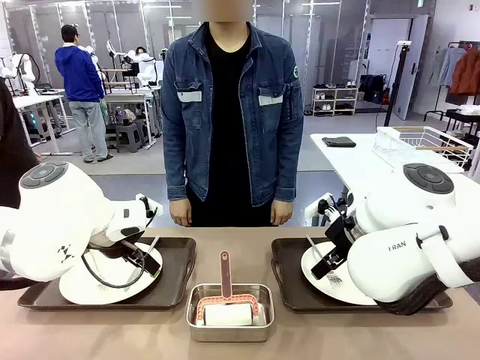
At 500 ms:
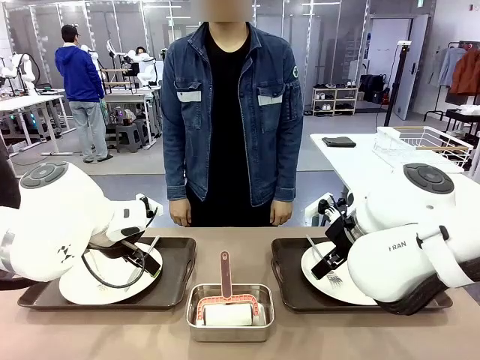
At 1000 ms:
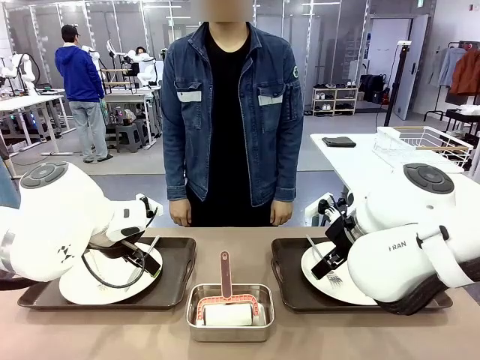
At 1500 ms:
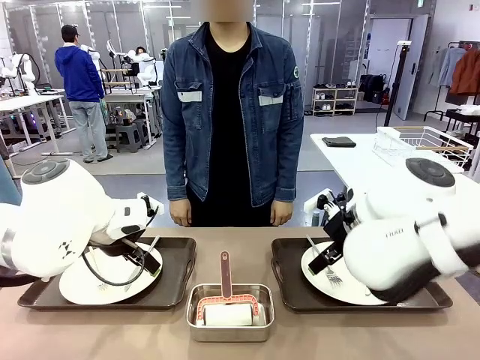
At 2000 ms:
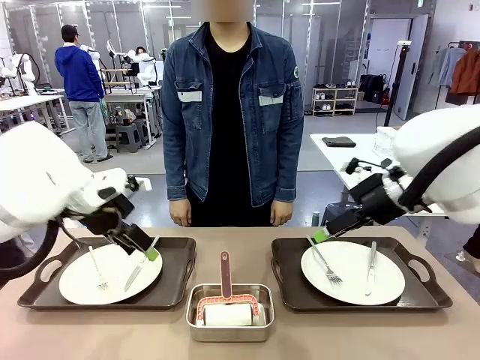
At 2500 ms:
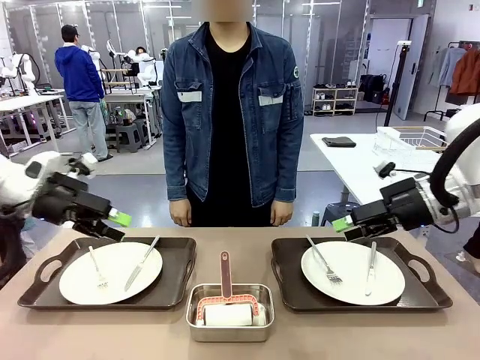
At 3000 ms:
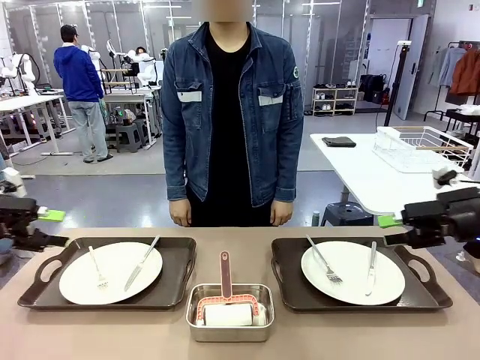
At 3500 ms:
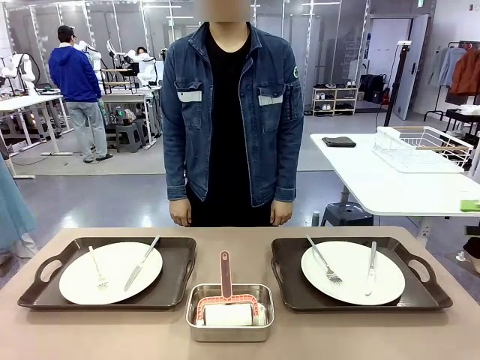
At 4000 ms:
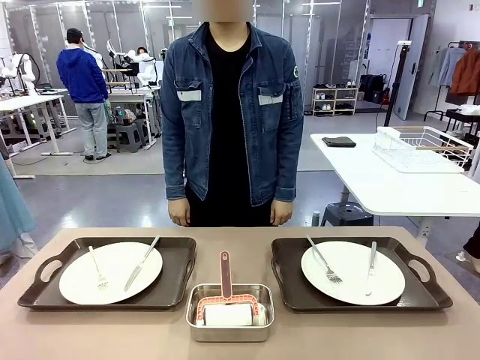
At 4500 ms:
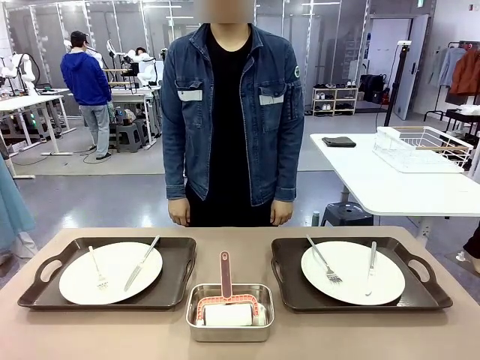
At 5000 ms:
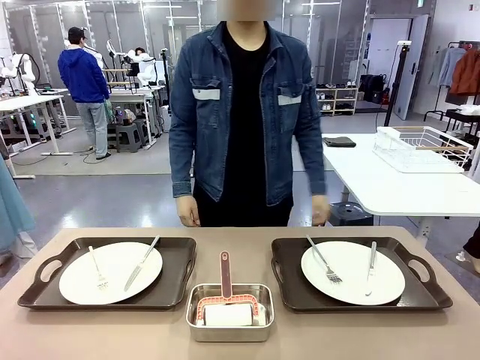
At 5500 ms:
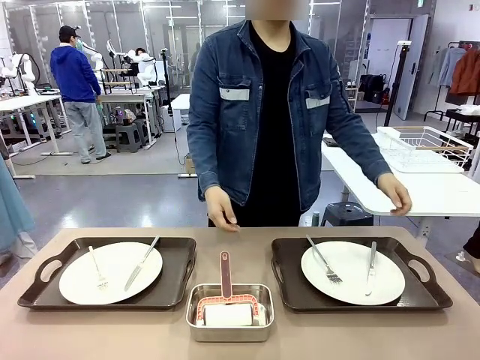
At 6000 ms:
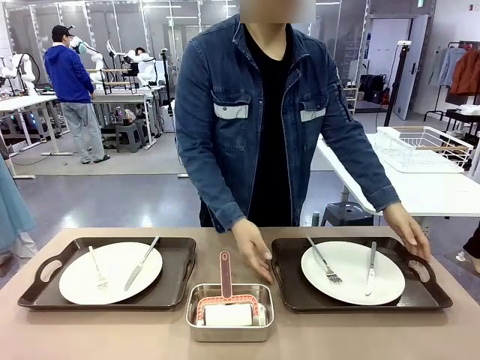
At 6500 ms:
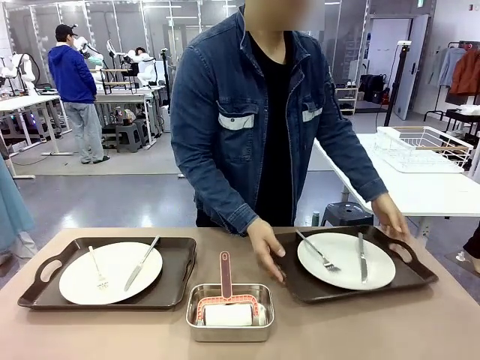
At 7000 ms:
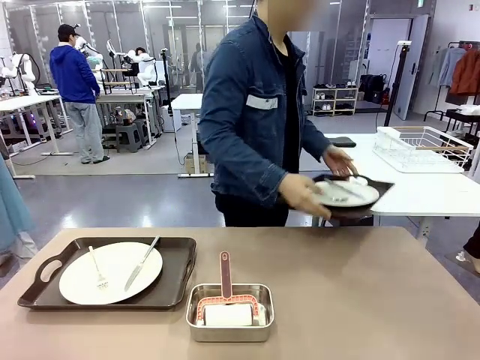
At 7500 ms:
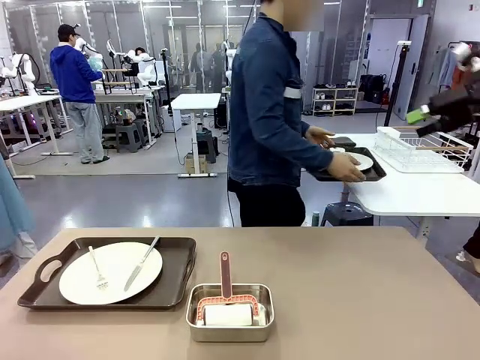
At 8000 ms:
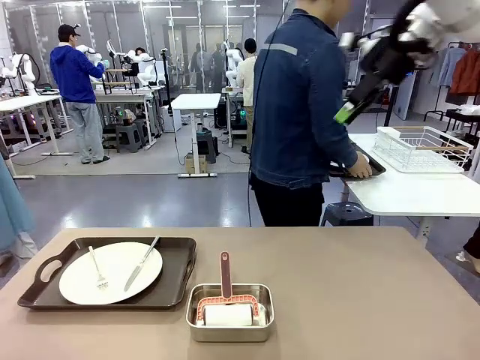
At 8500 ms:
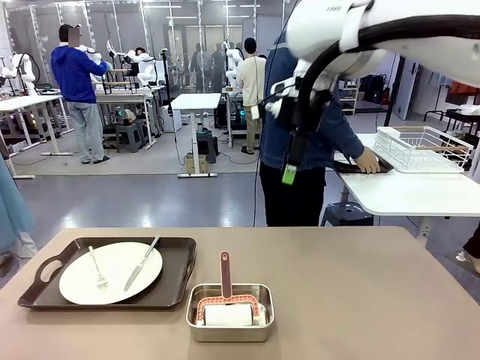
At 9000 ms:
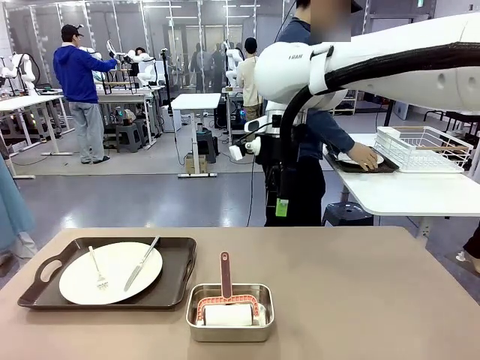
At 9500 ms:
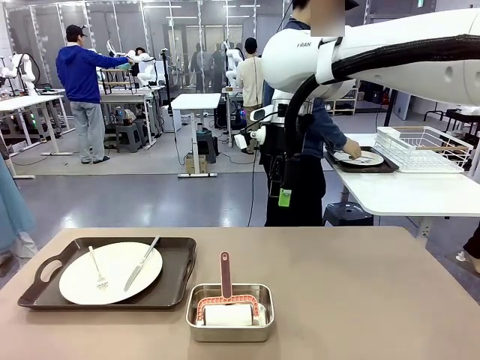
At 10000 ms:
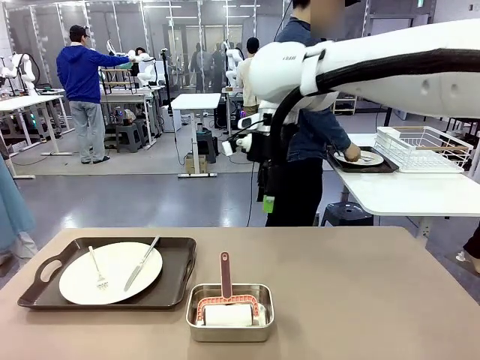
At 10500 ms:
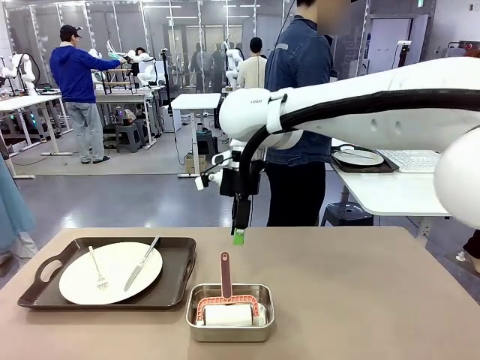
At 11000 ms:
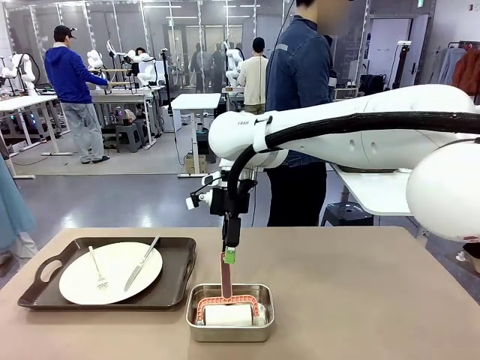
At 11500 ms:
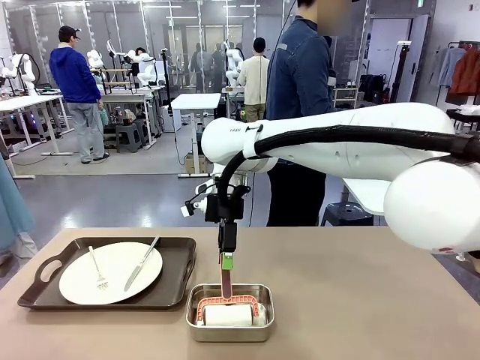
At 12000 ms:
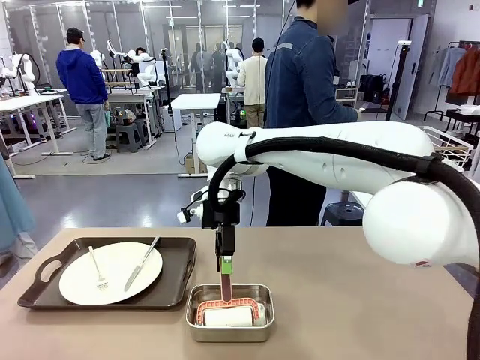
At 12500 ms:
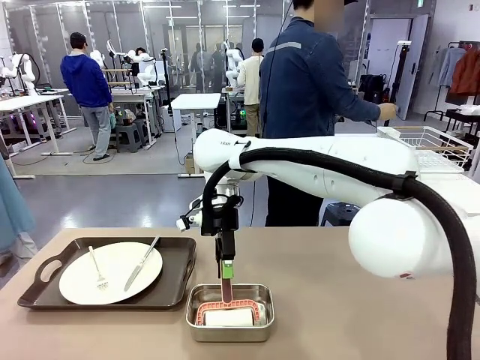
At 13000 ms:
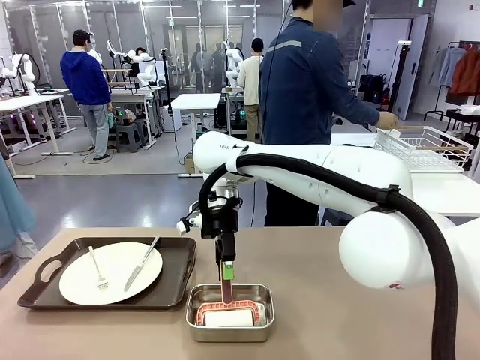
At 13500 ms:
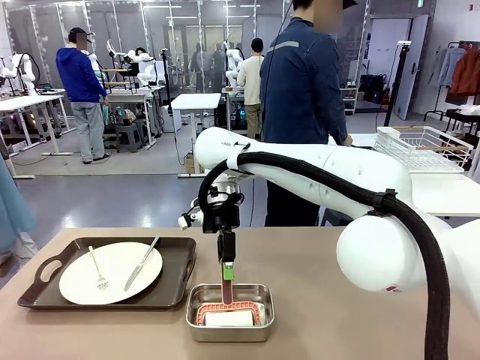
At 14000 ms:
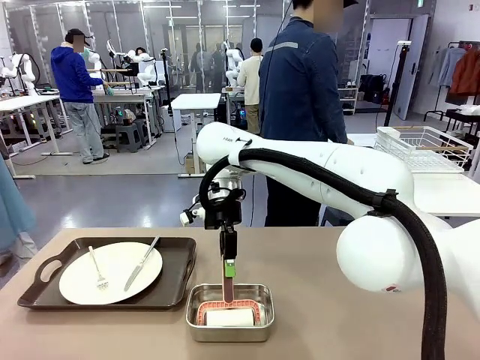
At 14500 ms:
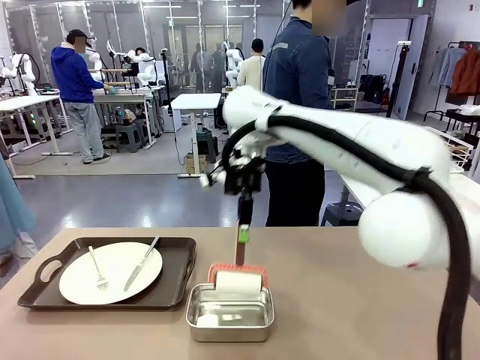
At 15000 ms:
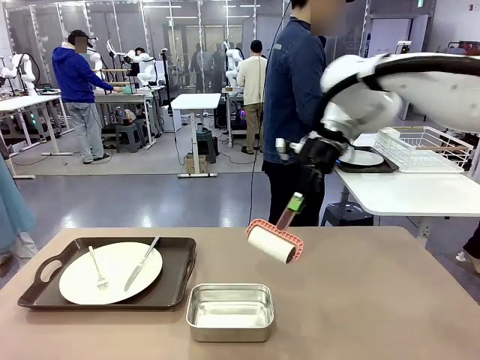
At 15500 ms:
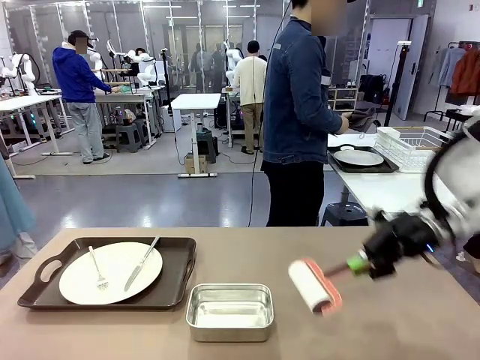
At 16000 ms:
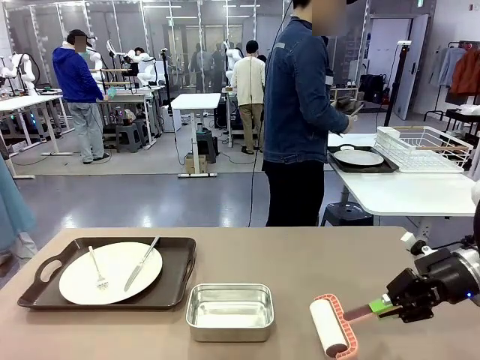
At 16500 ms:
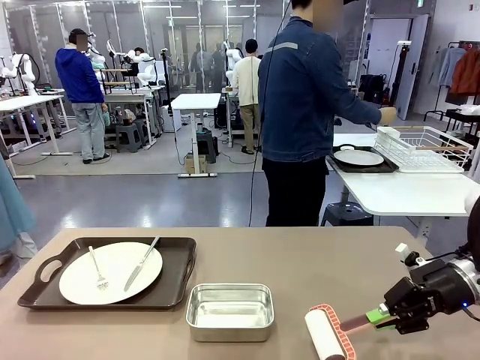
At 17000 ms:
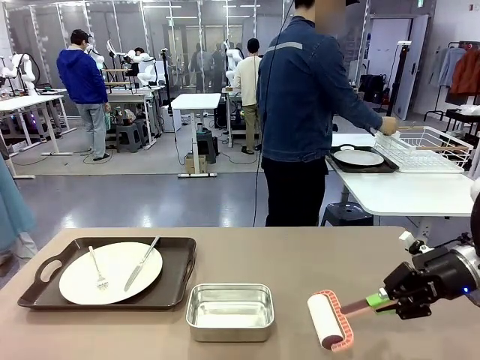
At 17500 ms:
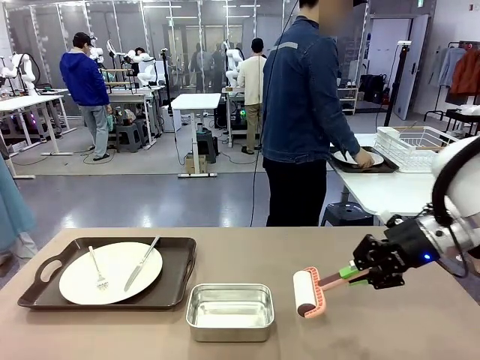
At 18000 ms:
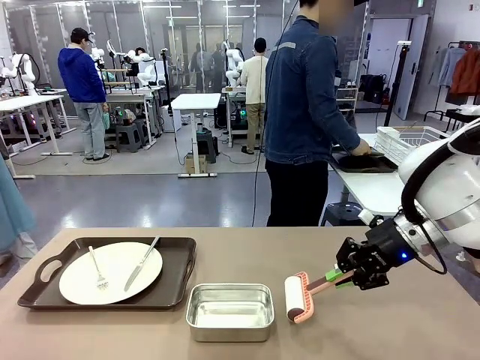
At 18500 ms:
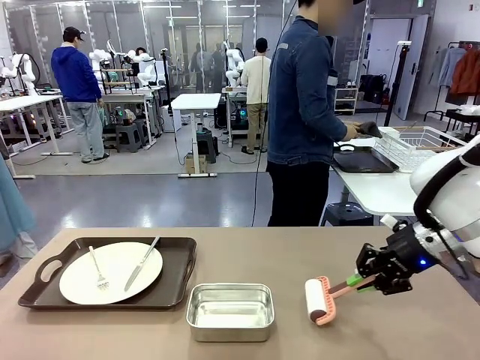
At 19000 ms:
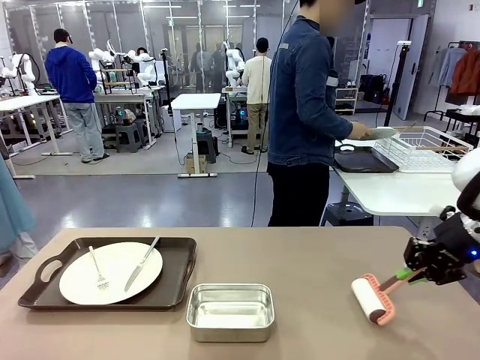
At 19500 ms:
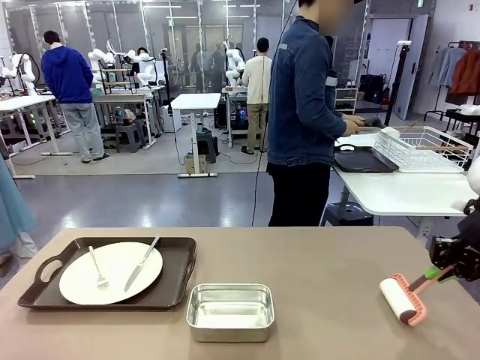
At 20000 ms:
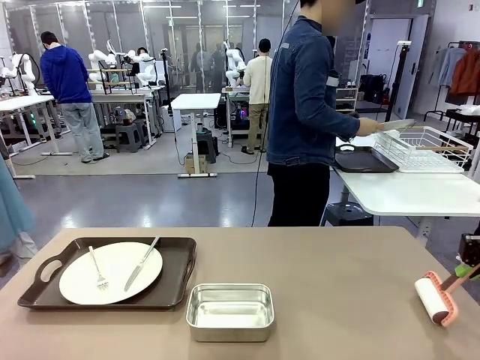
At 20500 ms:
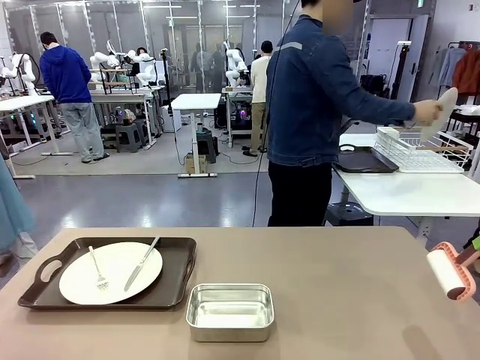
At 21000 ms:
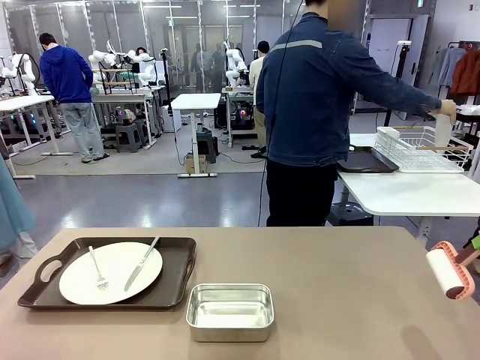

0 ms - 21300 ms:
Robot: When the left (or right) Handle tray is removed, use the left hand (or right hand) to clean the left (or right) side of the table with the Lint Roller.
Person: Pick up the left (or right) Handle tray and place it on the middle of the Human's table. Use the Towel with hook to wipe the Plastic Matte Plate , Fork , and Knife and place into the Dish drying rack.

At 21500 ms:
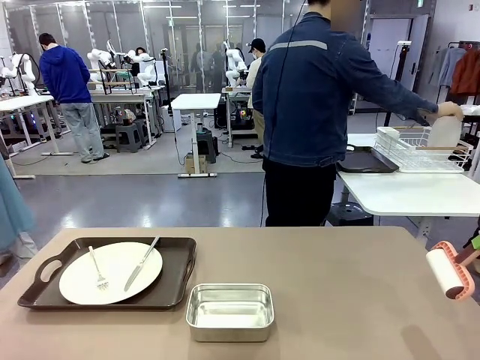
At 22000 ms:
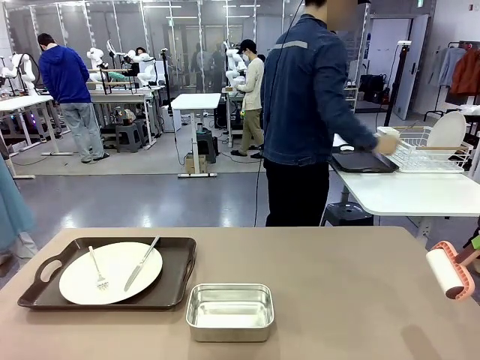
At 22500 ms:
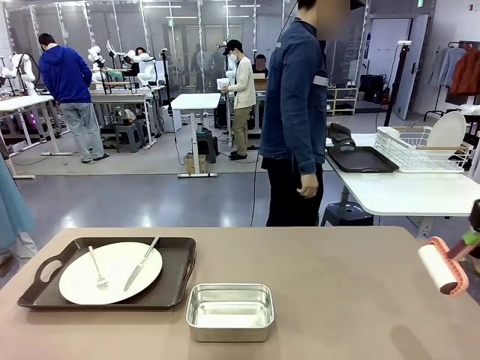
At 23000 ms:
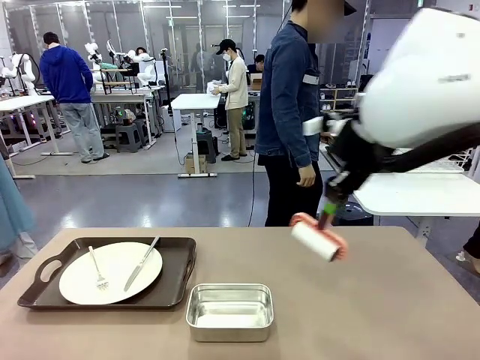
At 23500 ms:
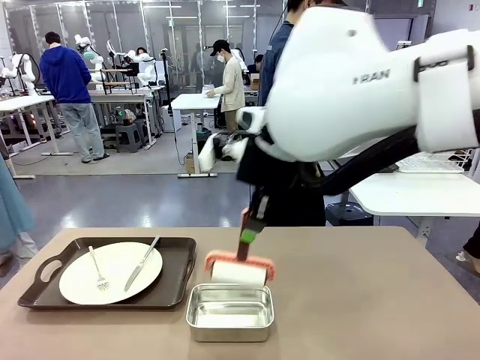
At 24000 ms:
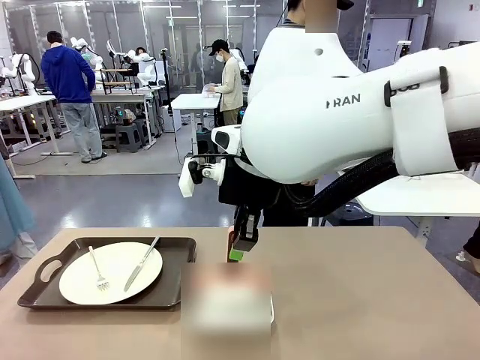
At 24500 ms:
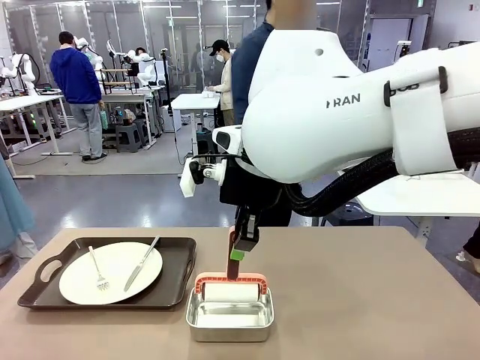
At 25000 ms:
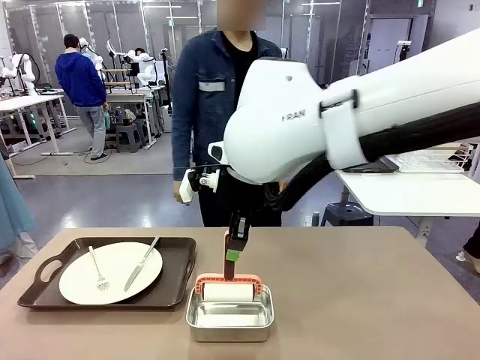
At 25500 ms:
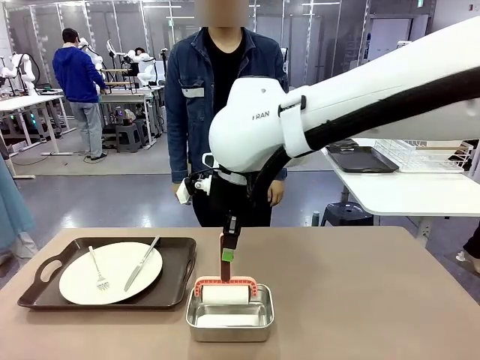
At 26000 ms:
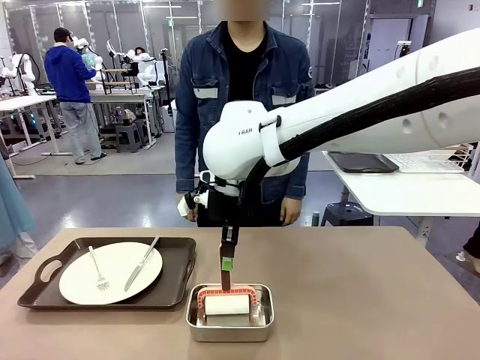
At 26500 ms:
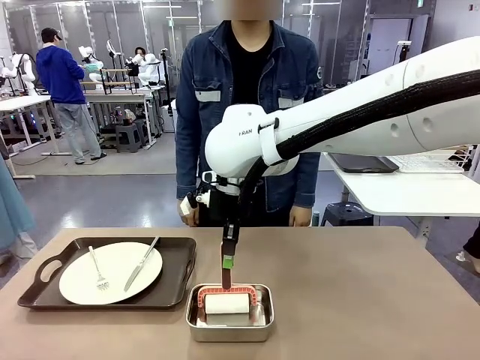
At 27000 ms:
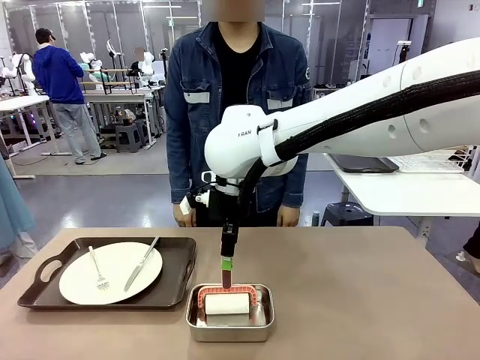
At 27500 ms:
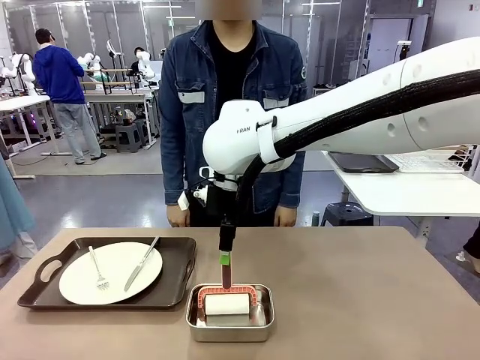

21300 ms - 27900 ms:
Robot: Place the Lint Roller back on top of the Airtight Container.
